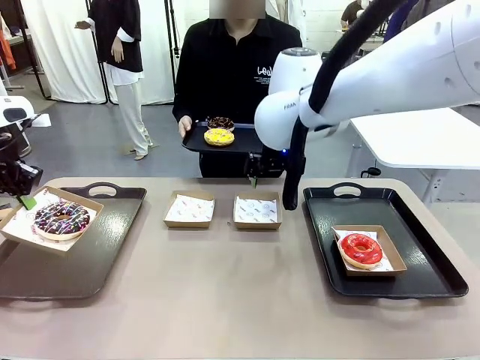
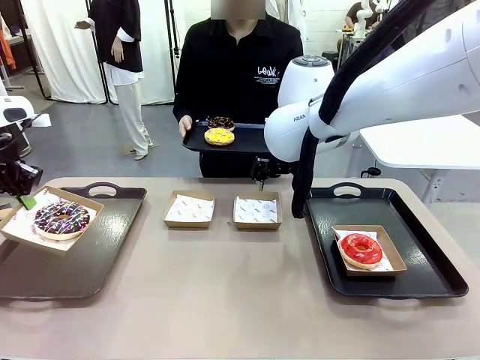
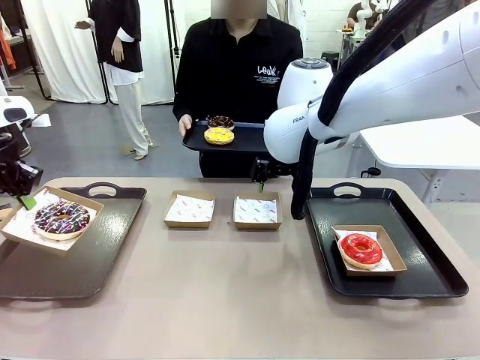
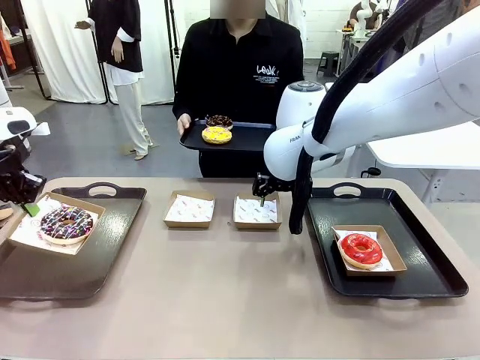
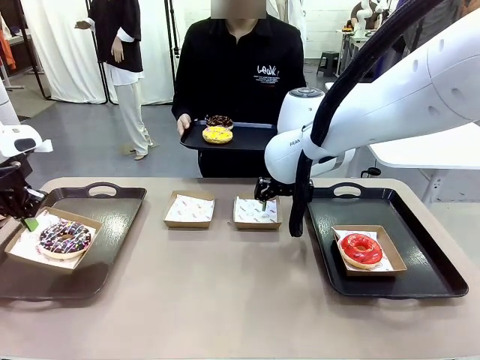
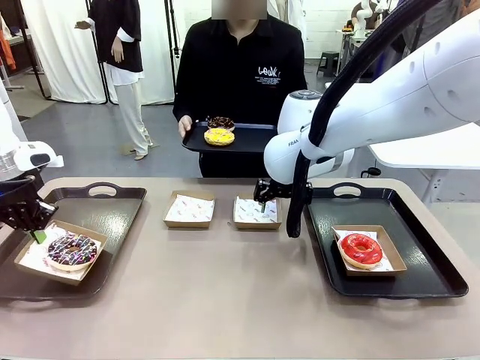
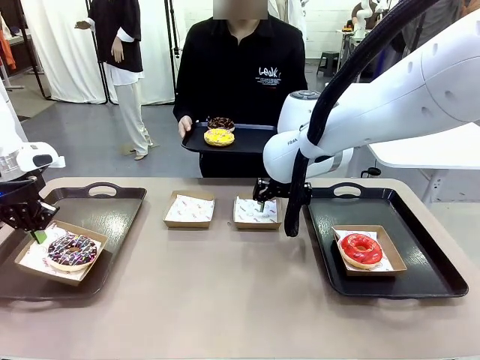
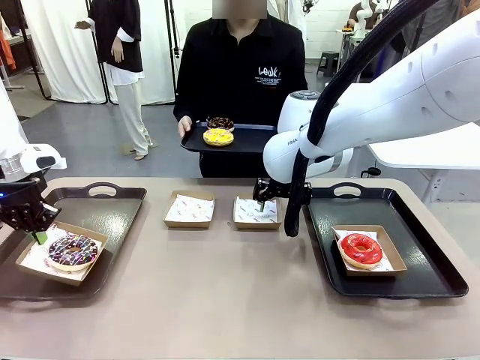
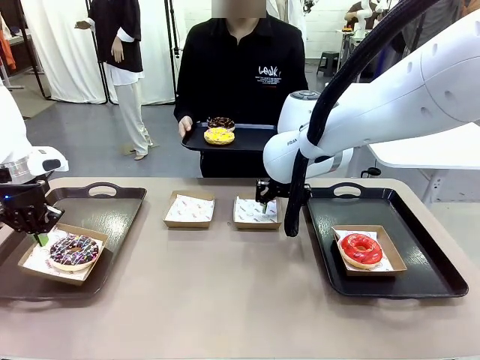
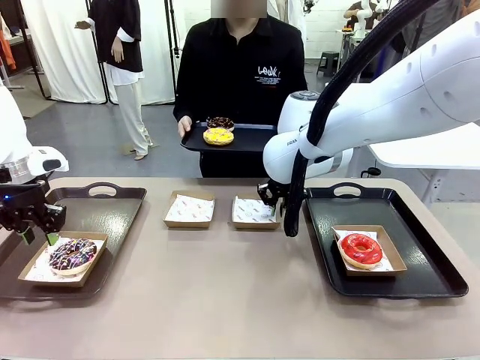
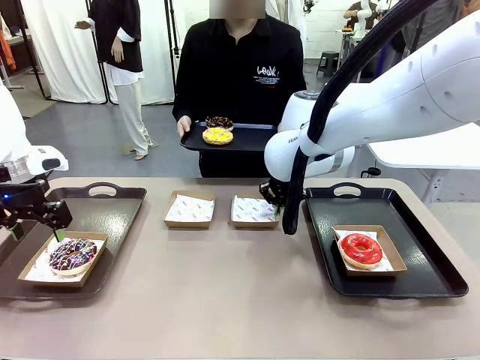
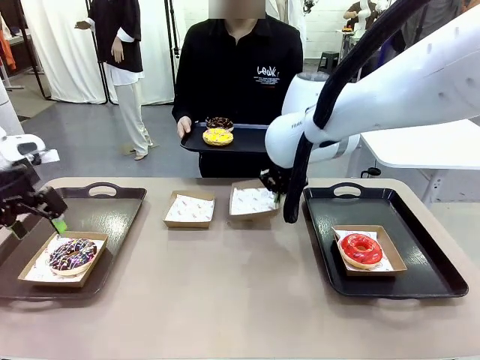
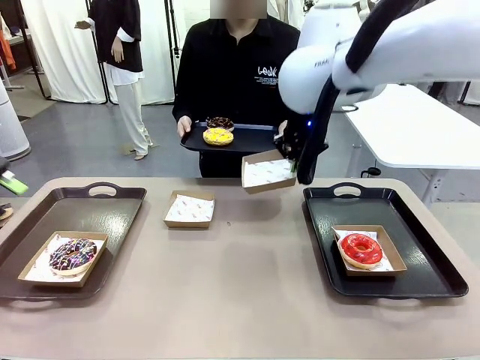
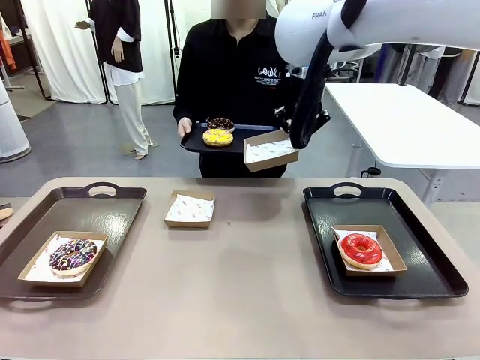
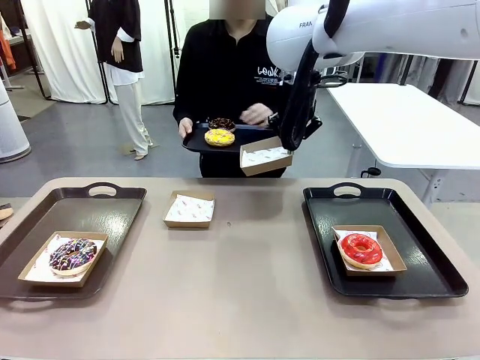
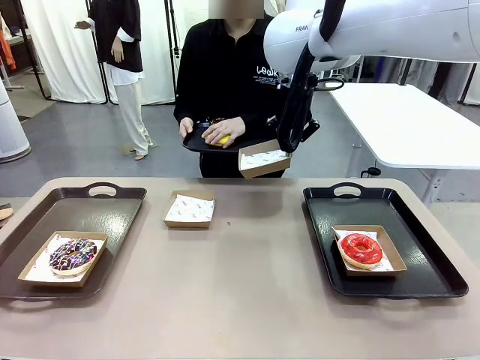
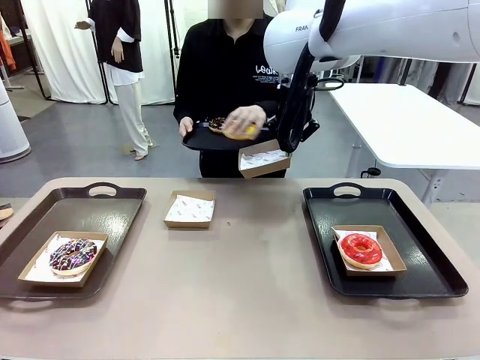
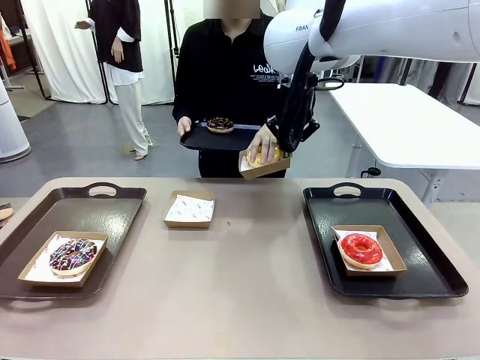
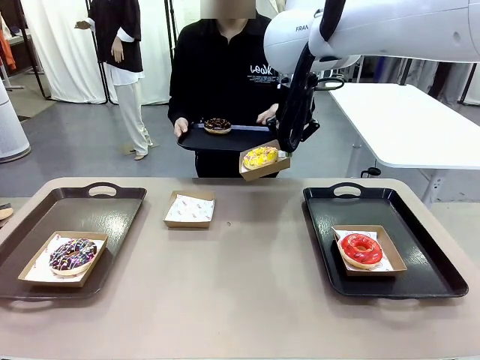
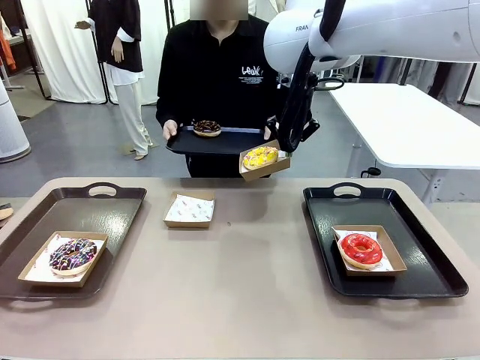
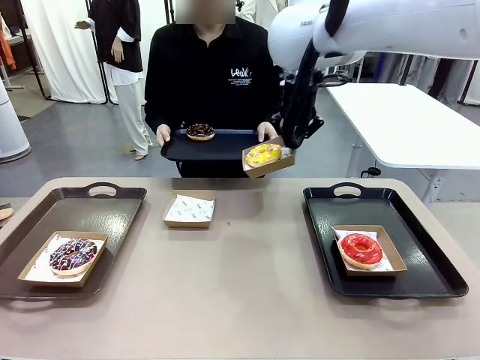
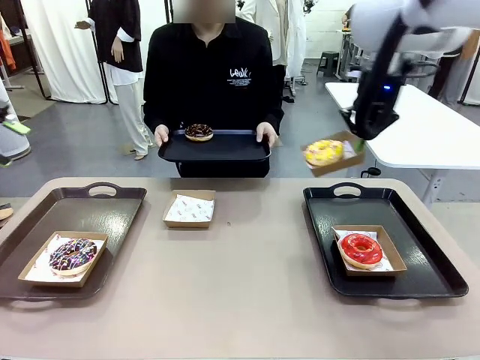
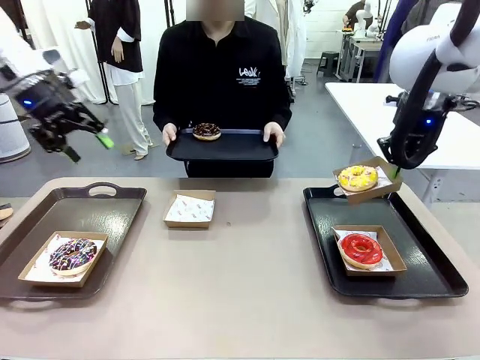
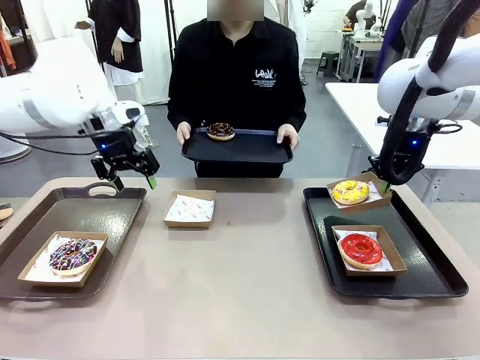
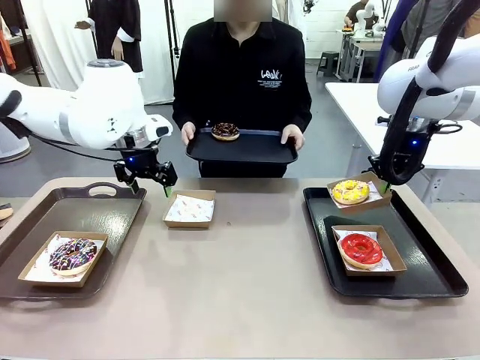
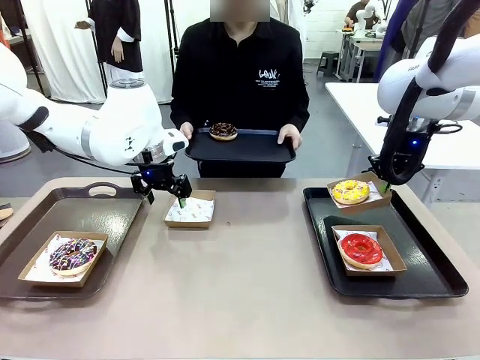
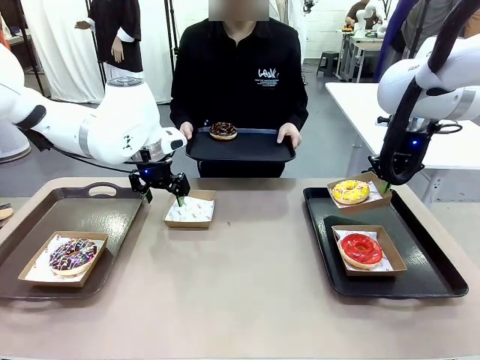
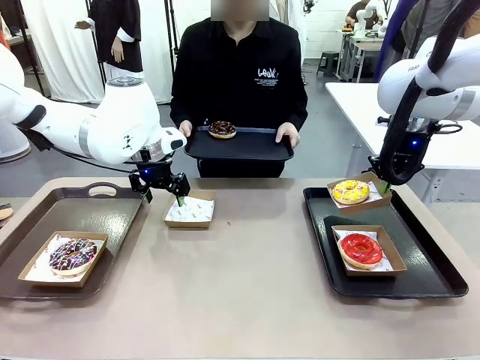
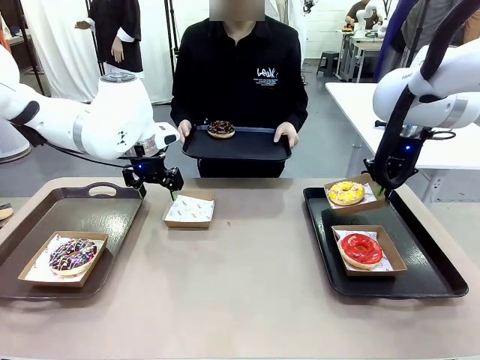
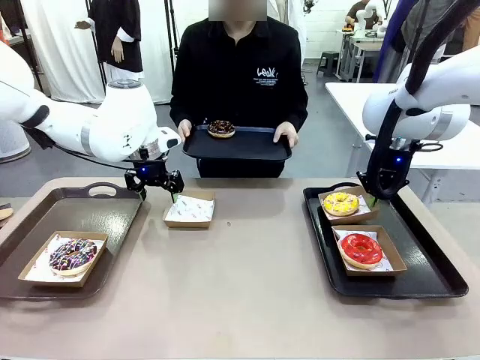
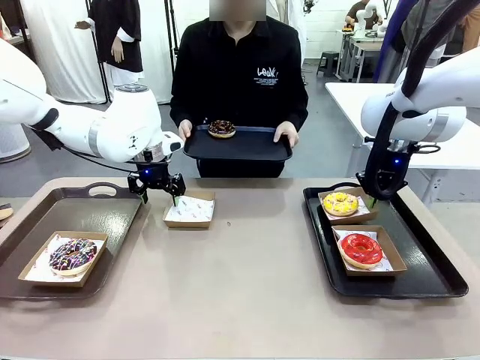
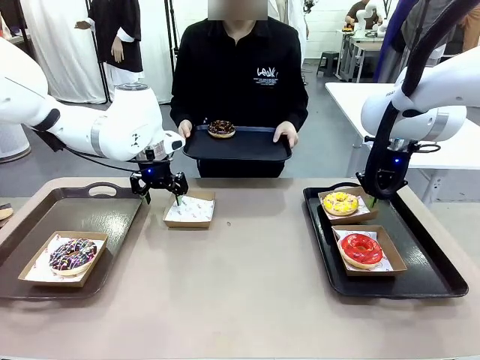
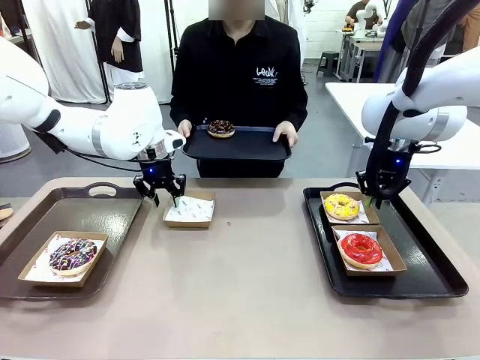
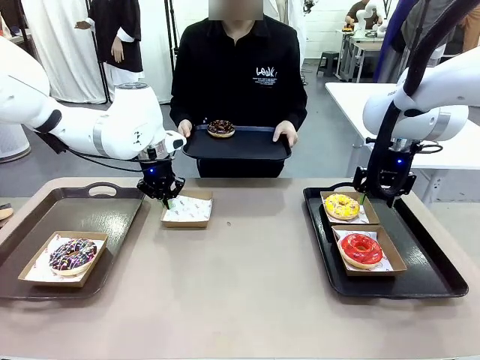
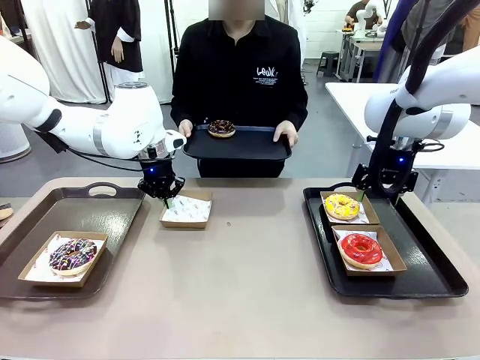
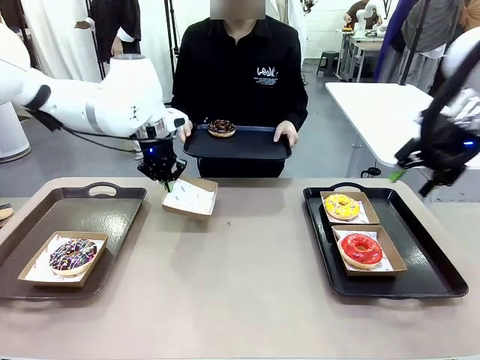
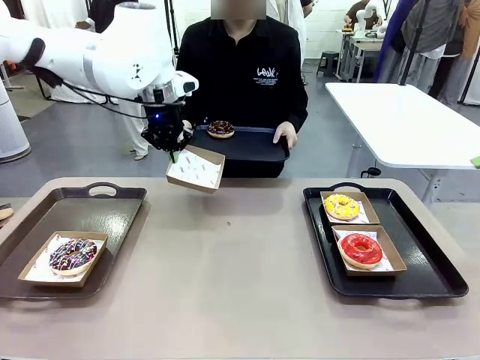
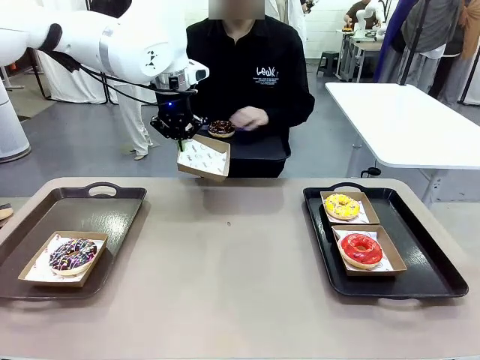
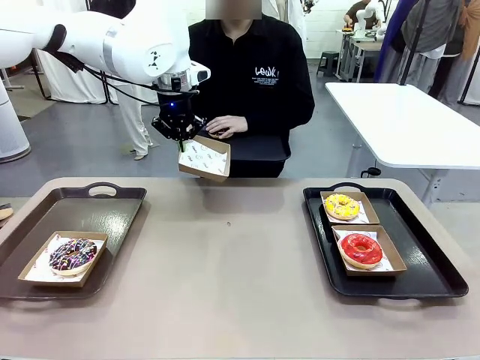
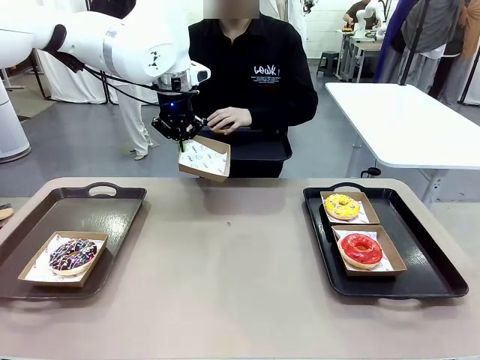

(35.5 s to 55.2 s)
Task: Individually package the donuts and arrange them on the tray.
Robot: Place the picked Paper togo box on the Handle tray while simultaneously picking up another Paper togo box from the table with the other hand.

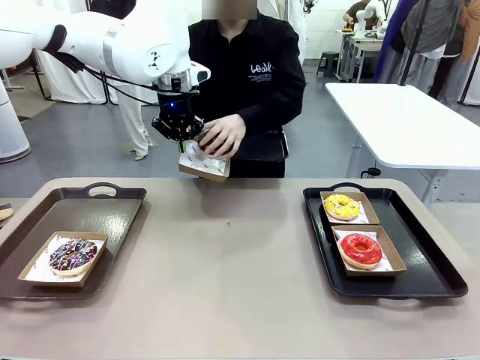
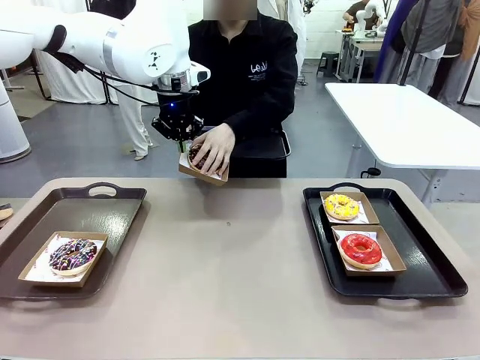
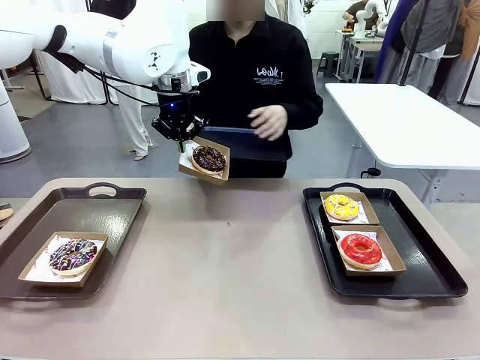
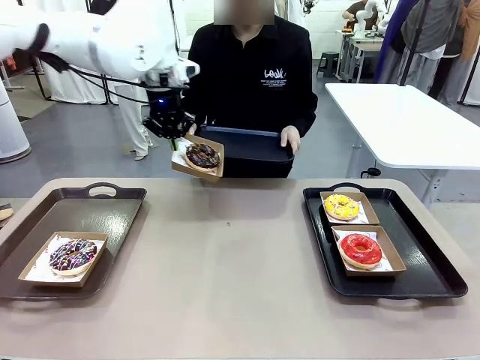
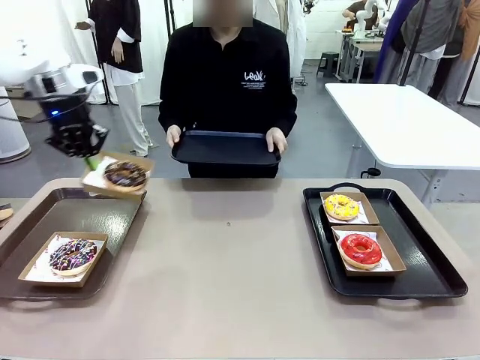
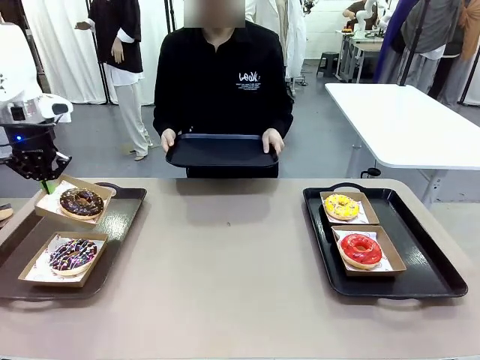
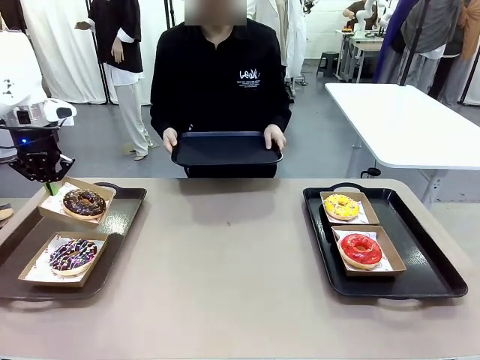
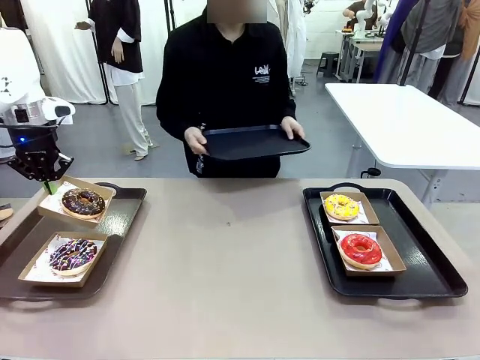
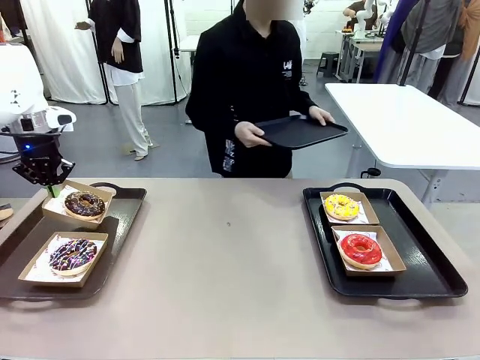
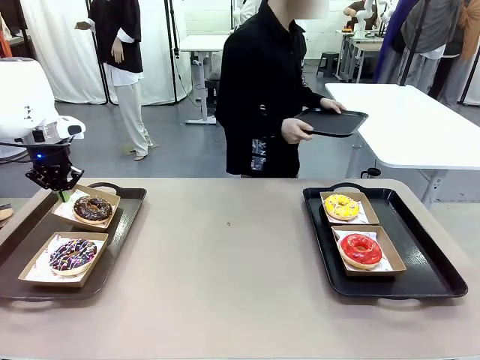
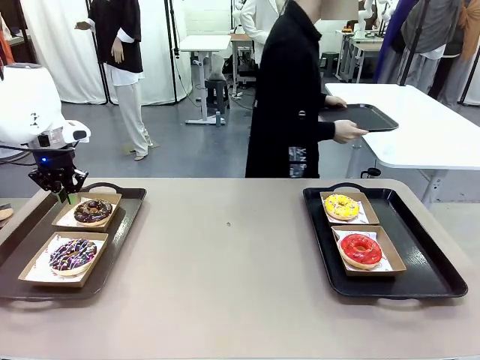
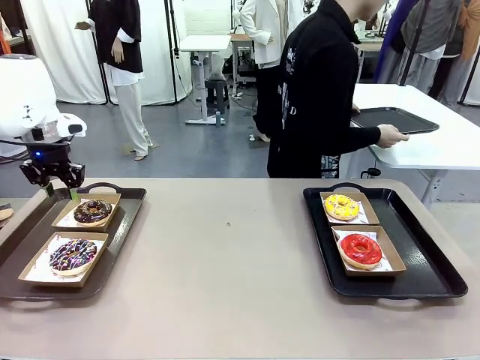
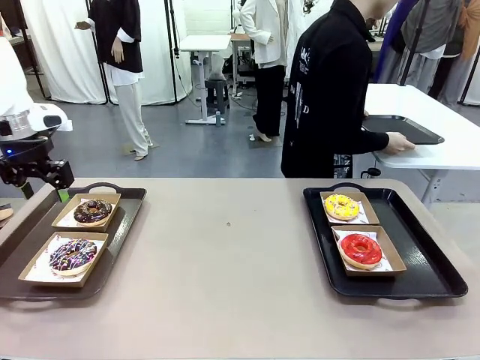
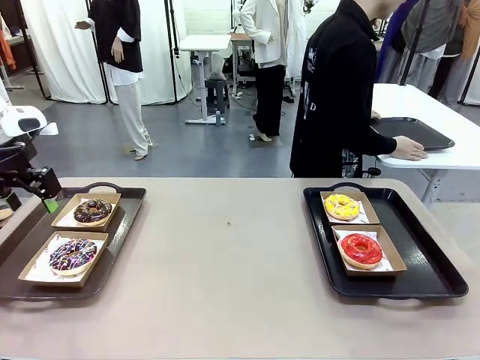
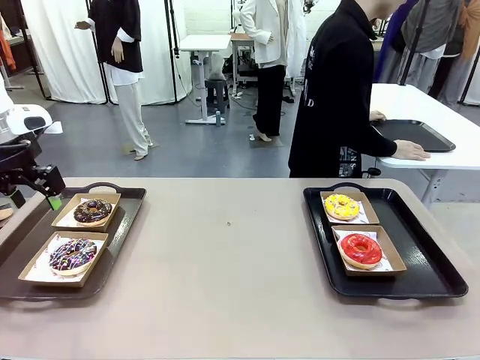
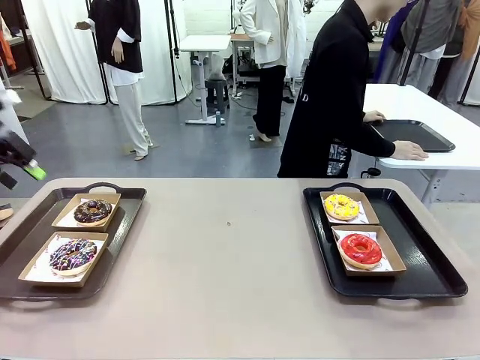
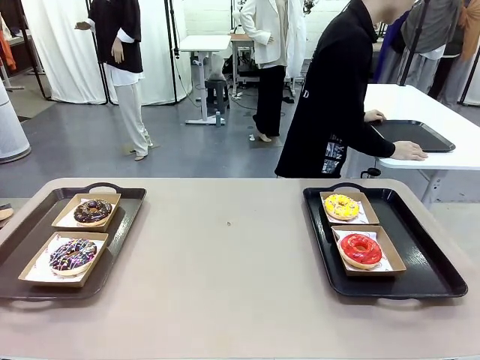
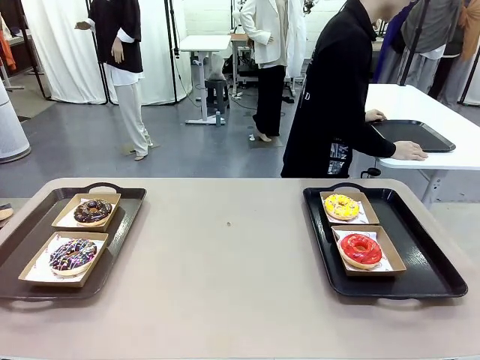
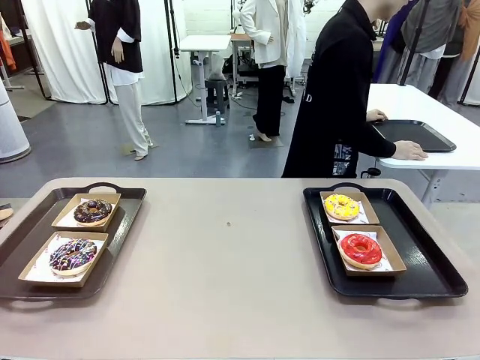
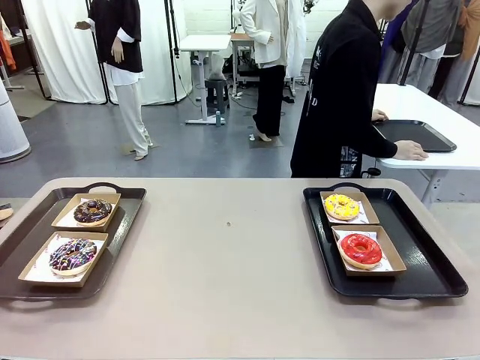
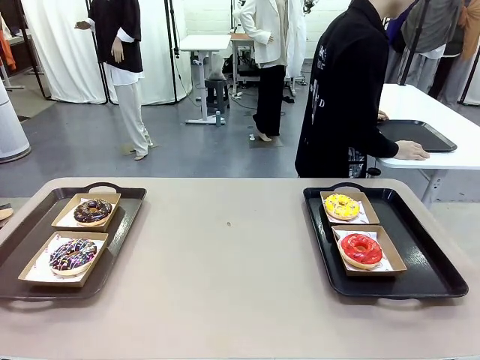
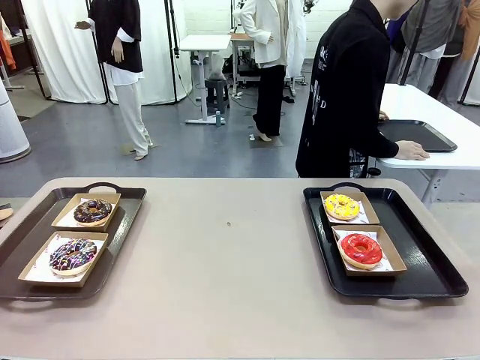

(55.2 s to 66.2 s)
Robot: Place the picked Paper togo box on the Handle tray.
Person: Place the tray down in the middle of the human table.
